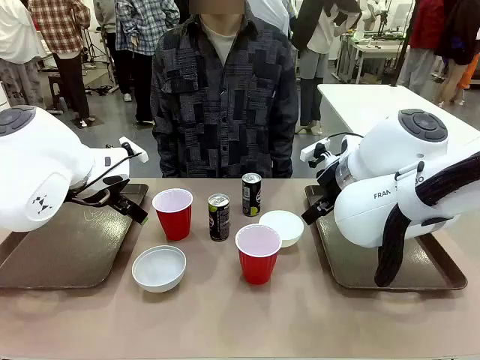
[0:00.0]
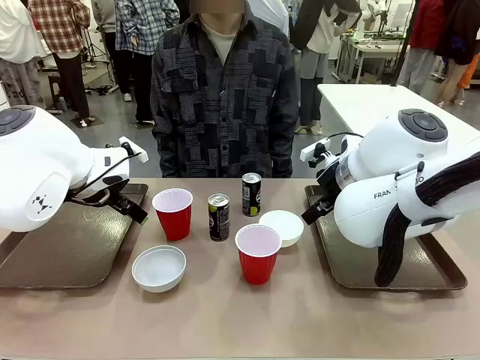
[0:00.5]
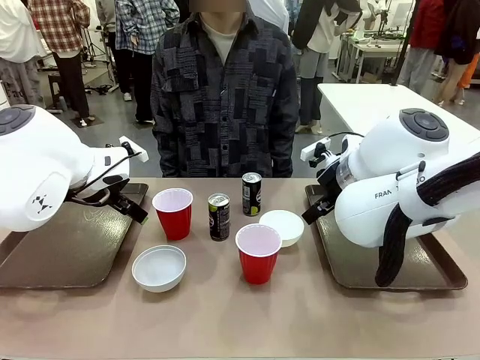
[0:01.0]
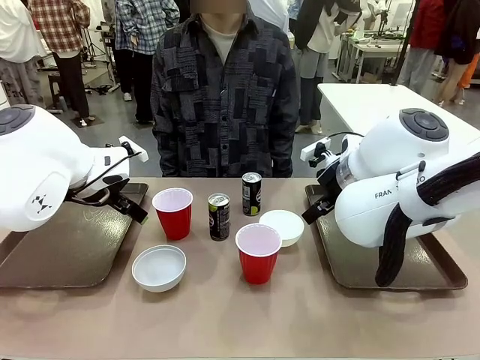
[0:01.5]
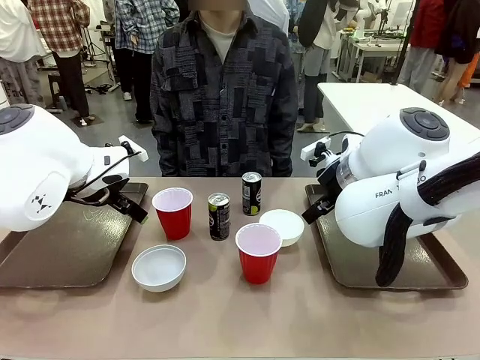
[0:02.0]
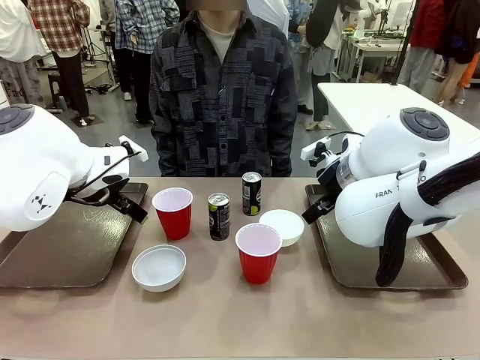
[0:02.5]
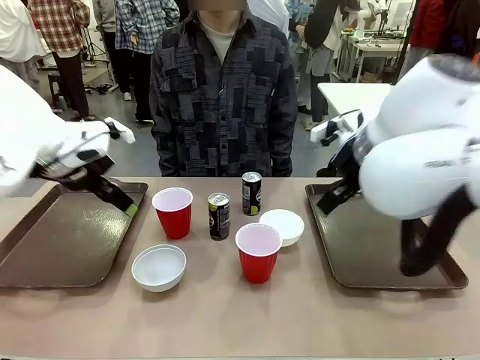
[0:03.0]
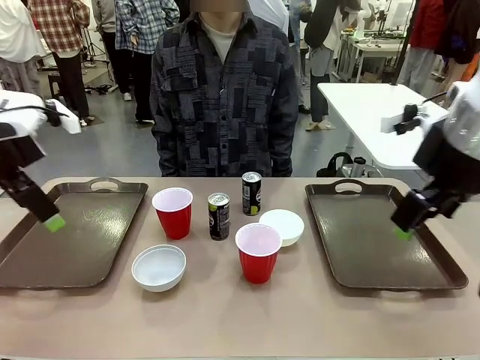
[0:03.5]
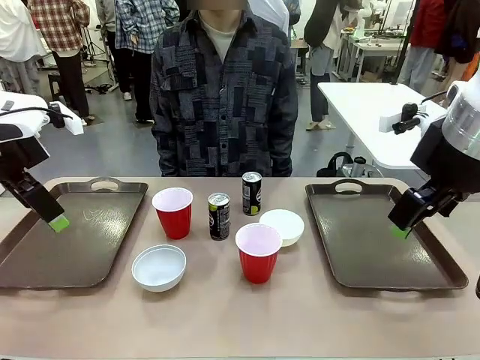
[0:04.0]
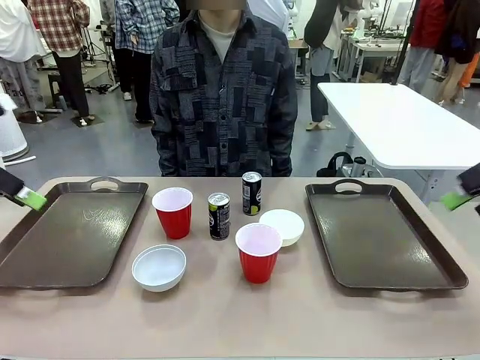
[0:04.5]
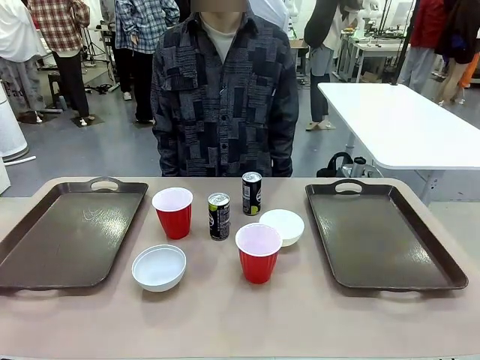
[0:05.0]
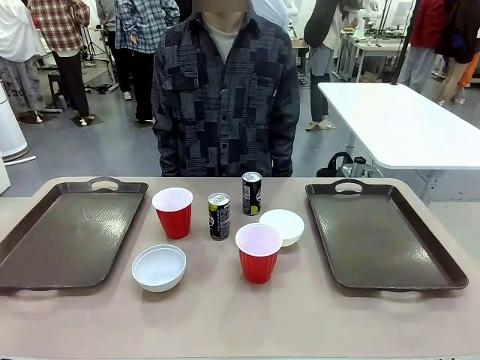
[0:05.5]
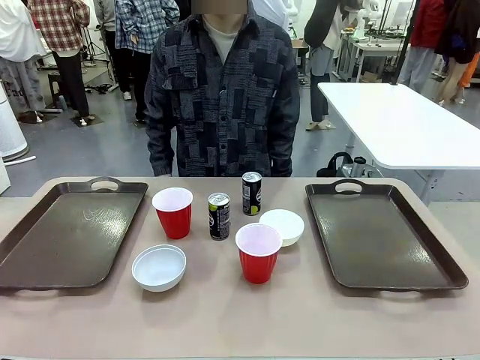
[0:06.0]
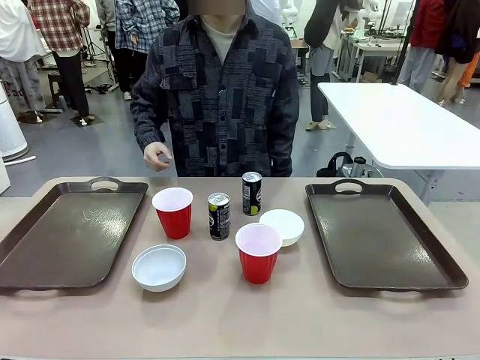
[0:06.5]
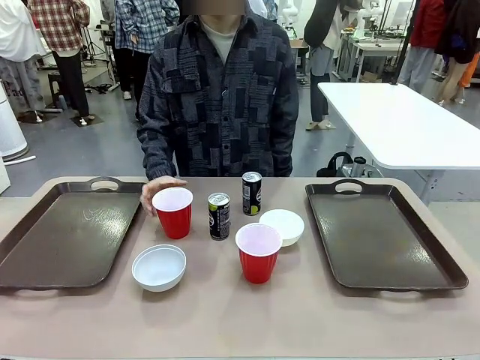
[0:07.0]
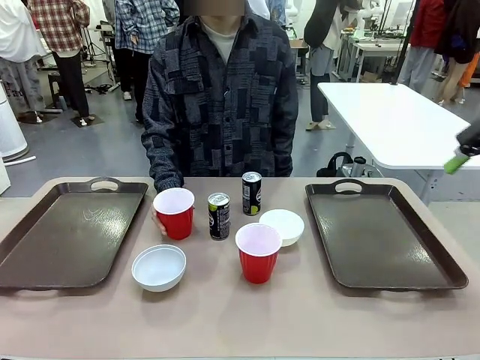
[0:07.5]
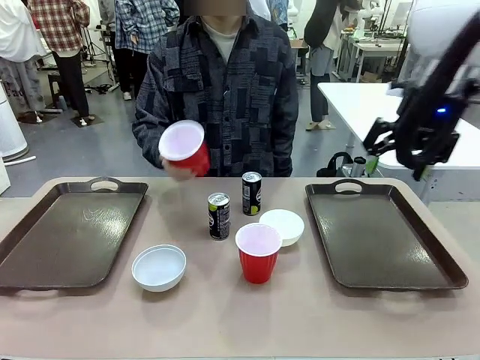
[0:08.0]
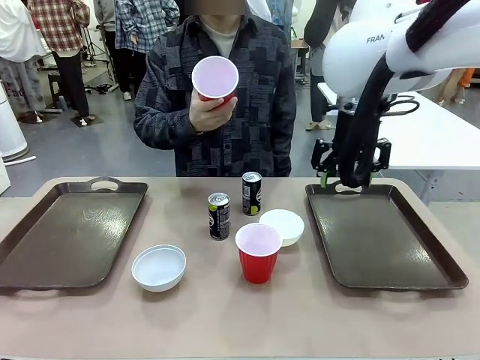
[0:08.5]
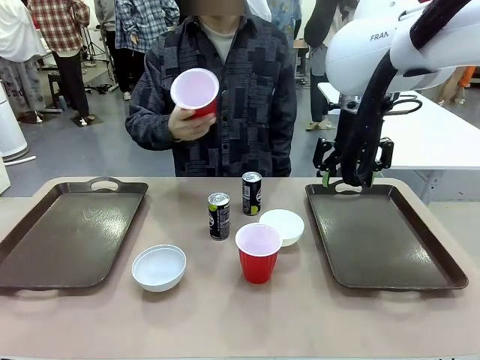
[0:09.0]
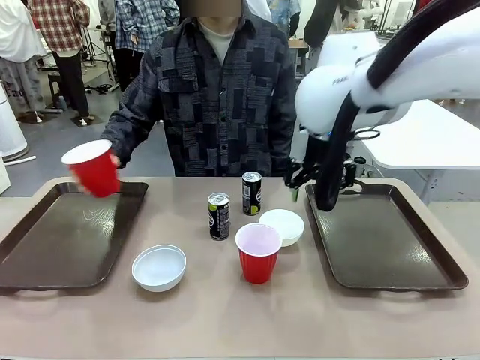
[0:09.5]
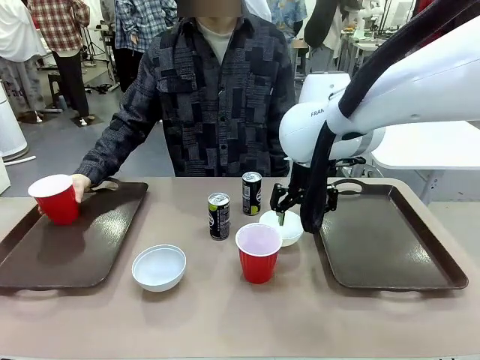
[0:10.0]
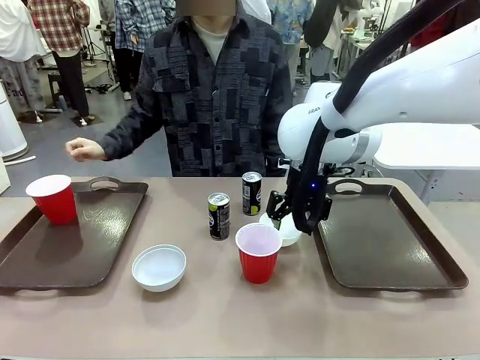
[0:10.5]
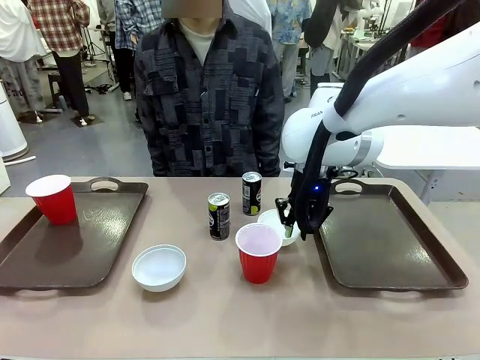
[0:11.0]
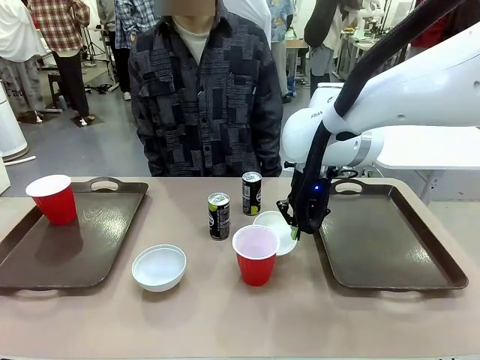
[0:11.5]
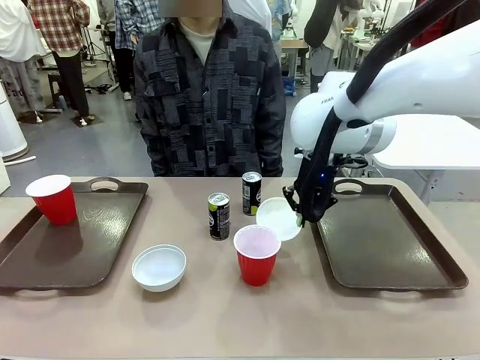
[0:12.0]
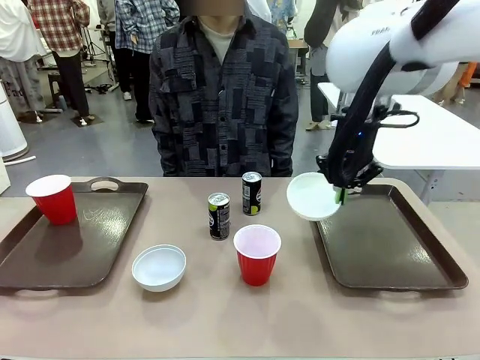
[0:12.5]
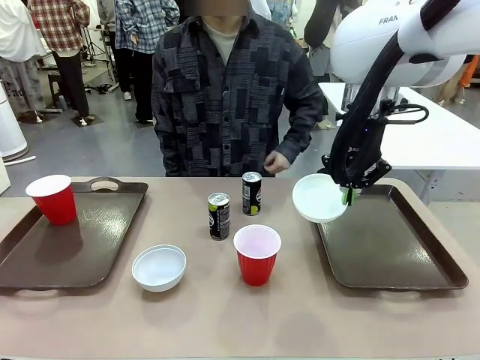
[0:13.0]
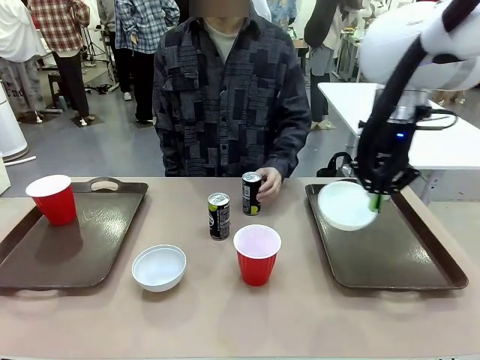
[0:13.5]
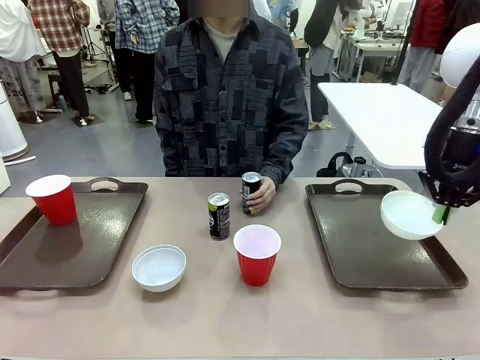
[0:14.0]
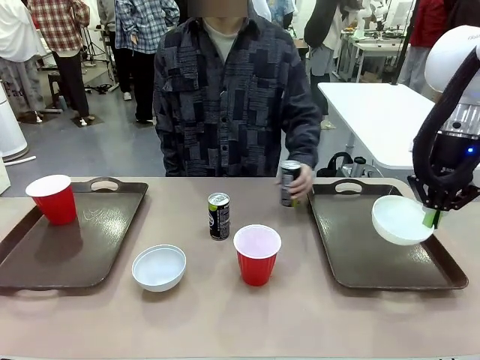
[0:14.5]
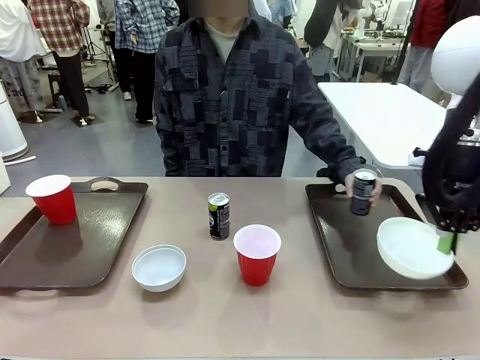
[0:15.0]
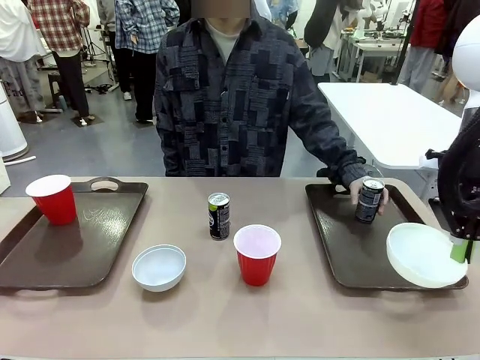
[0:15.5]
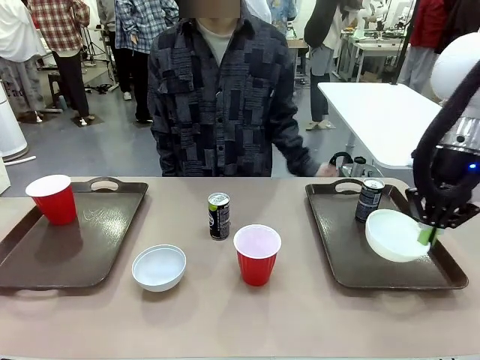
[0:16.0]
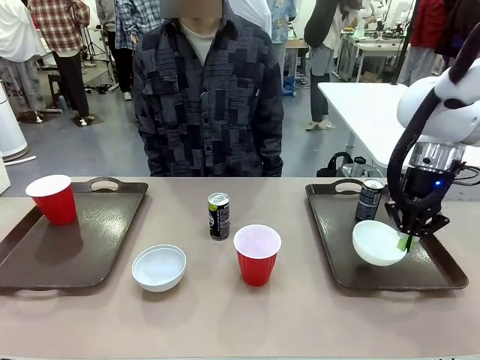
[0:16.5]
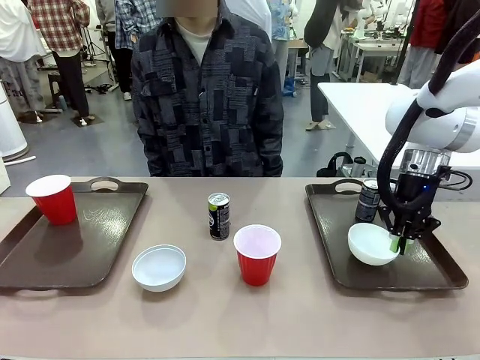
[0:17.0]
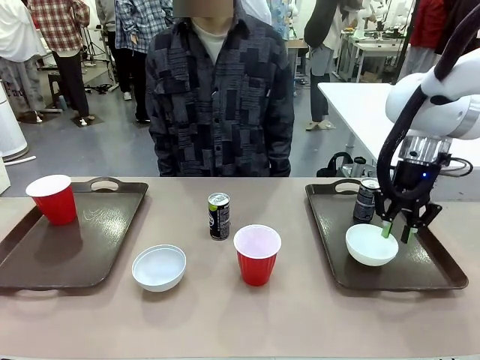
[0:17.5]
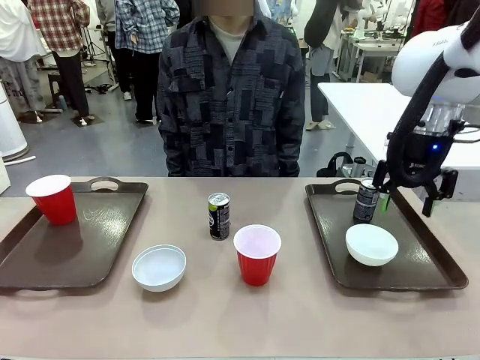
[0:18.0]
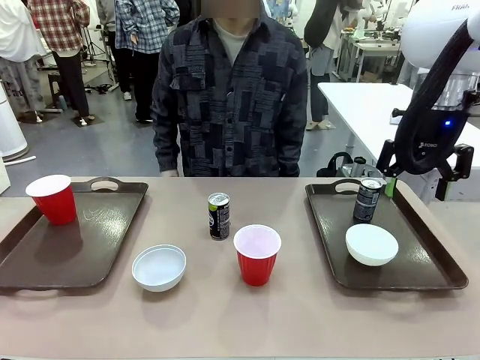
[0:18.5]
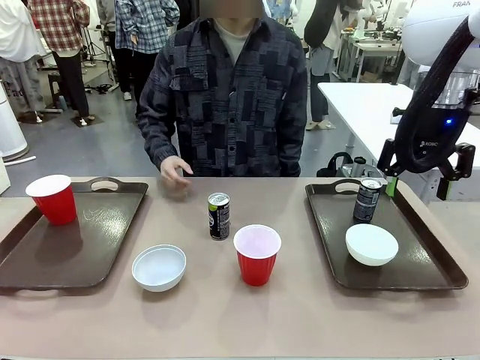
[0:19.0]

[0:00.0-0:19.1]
Task: Prepare tableware on both trays.
Robot: Pick up a Picnic Bowl from the table and place it on a Handle tray.
Person: Pick up a can or cup and place it on the tray.
